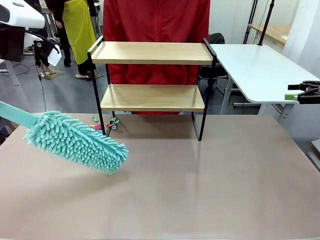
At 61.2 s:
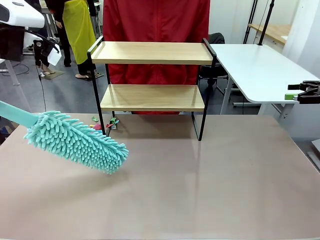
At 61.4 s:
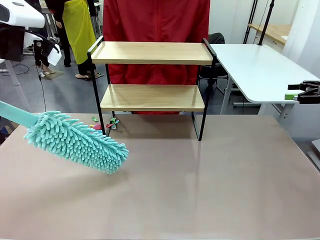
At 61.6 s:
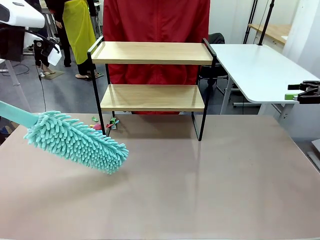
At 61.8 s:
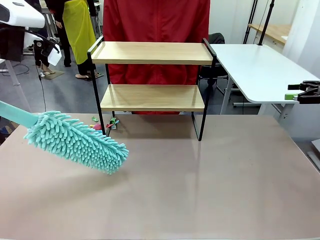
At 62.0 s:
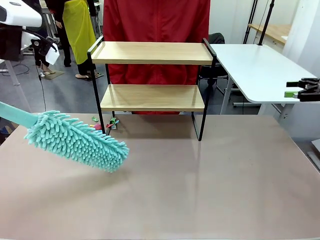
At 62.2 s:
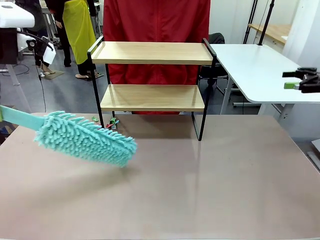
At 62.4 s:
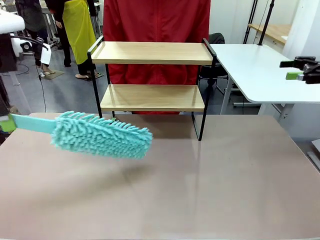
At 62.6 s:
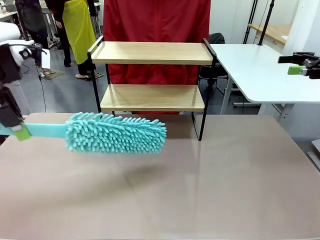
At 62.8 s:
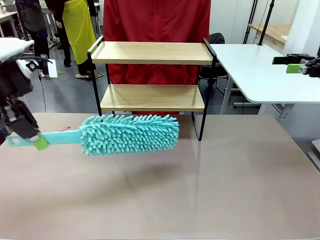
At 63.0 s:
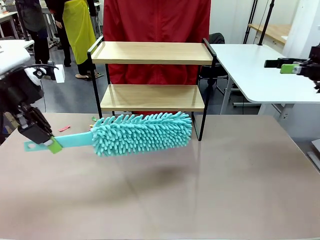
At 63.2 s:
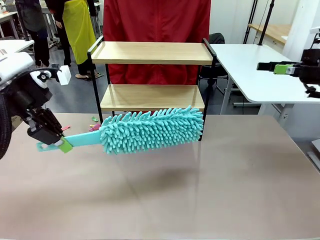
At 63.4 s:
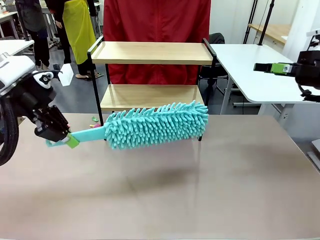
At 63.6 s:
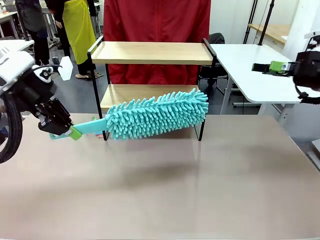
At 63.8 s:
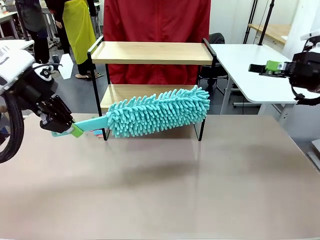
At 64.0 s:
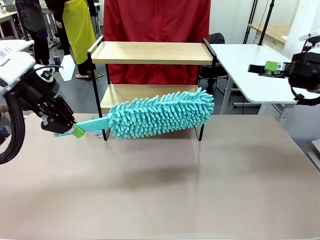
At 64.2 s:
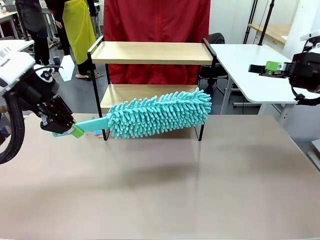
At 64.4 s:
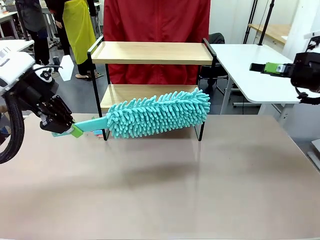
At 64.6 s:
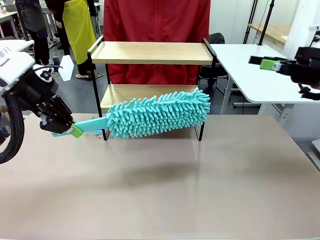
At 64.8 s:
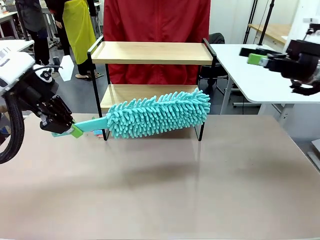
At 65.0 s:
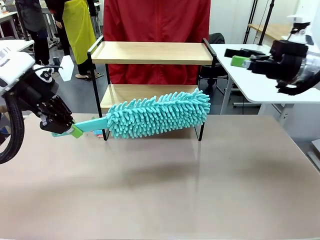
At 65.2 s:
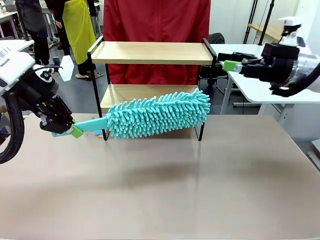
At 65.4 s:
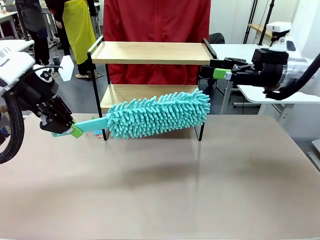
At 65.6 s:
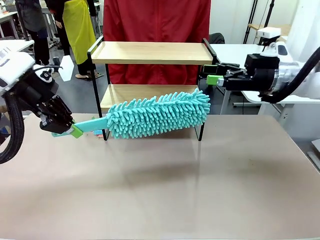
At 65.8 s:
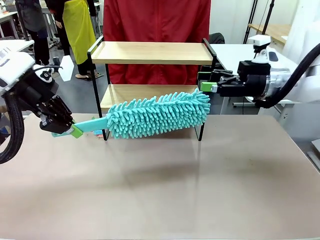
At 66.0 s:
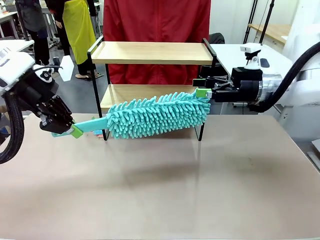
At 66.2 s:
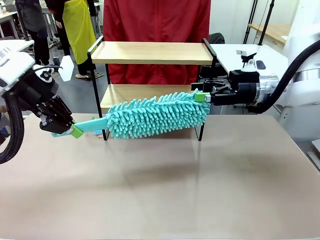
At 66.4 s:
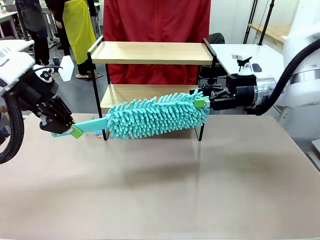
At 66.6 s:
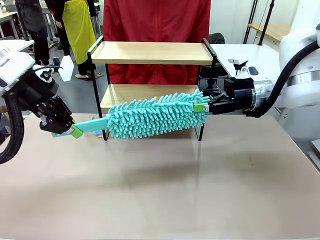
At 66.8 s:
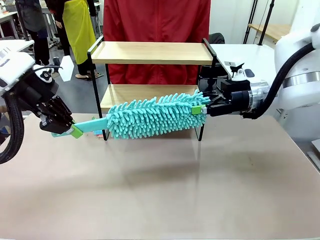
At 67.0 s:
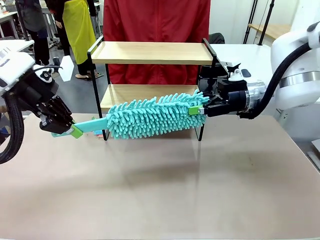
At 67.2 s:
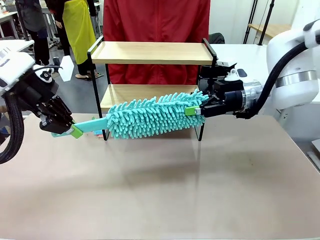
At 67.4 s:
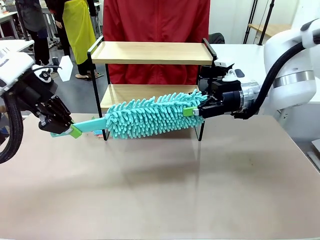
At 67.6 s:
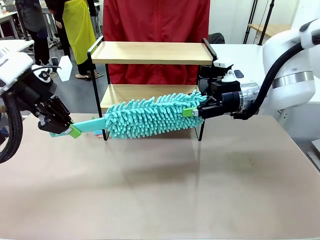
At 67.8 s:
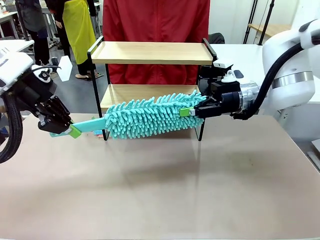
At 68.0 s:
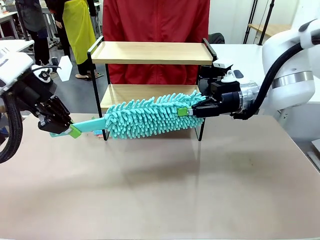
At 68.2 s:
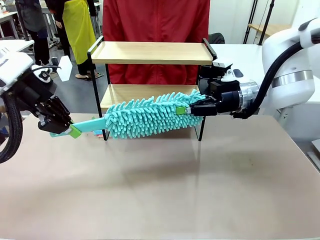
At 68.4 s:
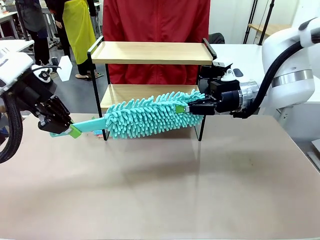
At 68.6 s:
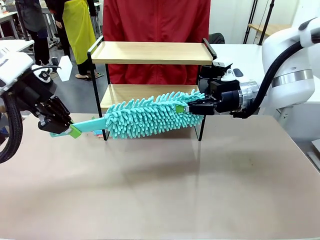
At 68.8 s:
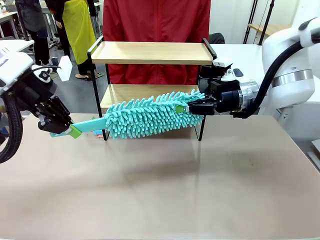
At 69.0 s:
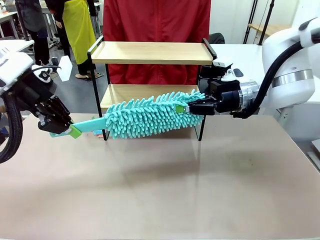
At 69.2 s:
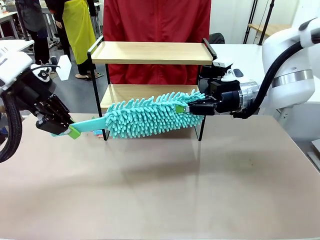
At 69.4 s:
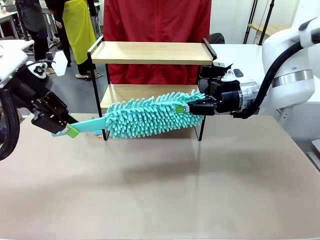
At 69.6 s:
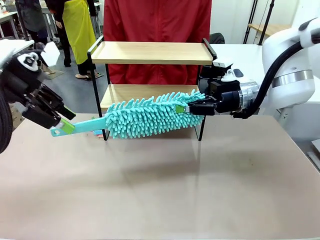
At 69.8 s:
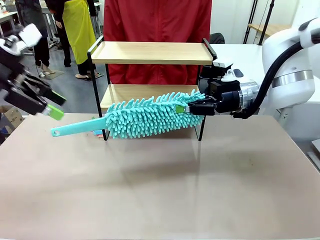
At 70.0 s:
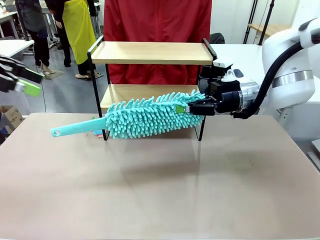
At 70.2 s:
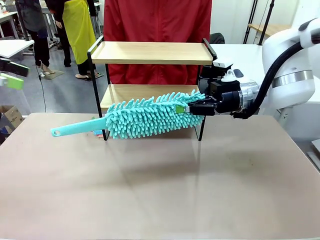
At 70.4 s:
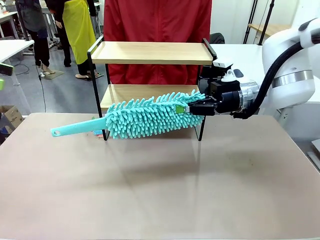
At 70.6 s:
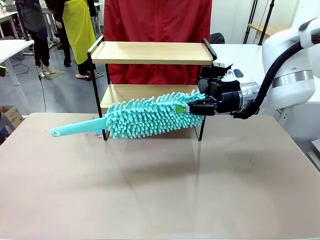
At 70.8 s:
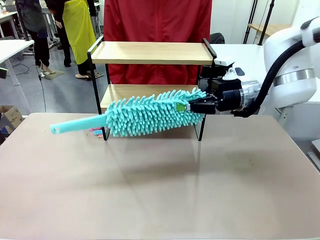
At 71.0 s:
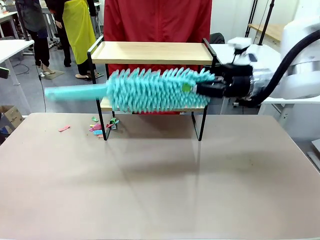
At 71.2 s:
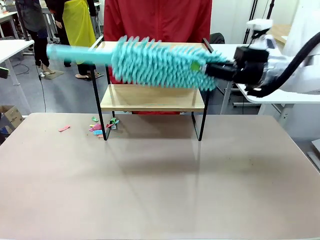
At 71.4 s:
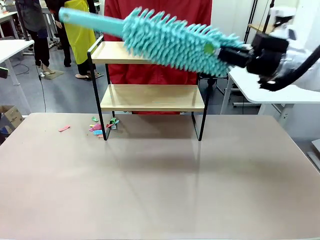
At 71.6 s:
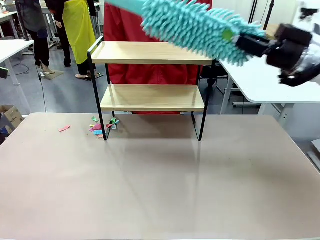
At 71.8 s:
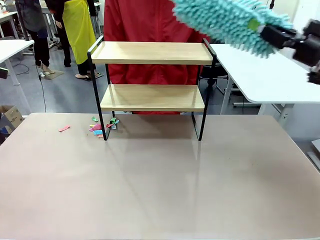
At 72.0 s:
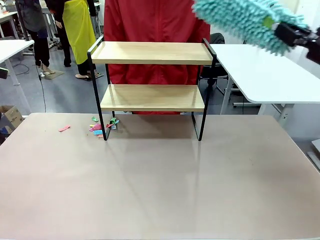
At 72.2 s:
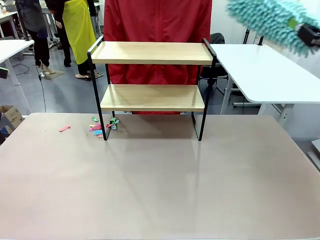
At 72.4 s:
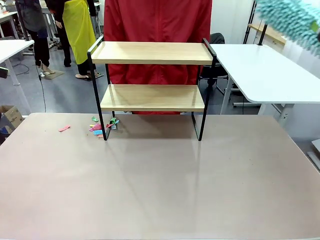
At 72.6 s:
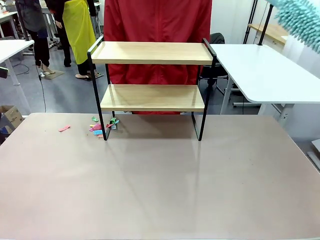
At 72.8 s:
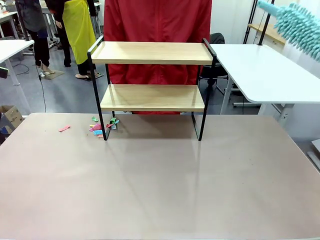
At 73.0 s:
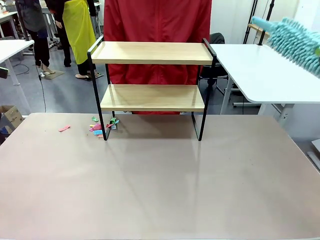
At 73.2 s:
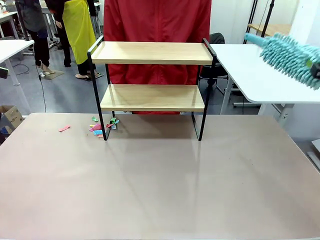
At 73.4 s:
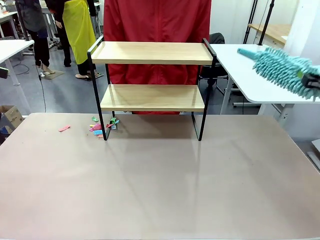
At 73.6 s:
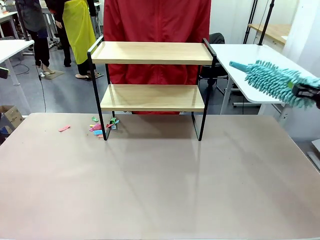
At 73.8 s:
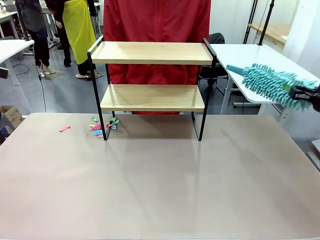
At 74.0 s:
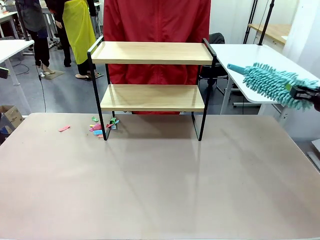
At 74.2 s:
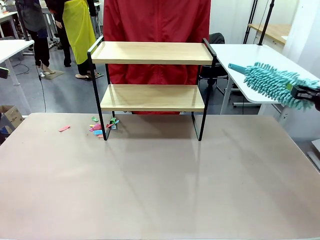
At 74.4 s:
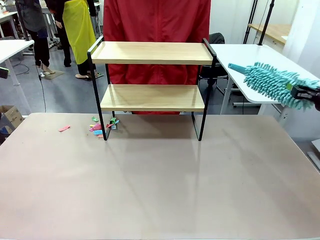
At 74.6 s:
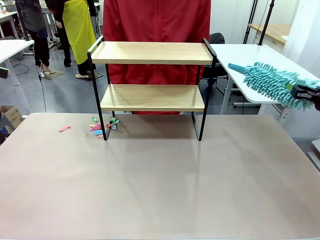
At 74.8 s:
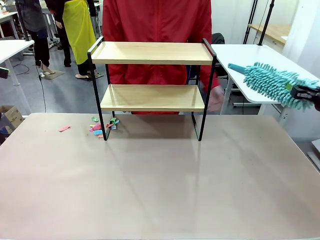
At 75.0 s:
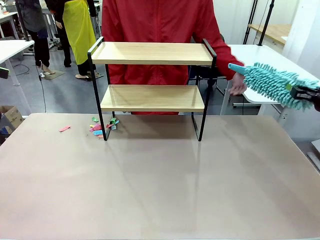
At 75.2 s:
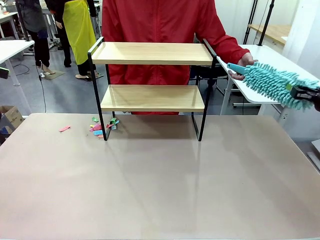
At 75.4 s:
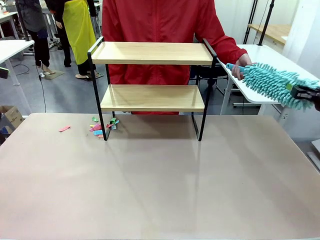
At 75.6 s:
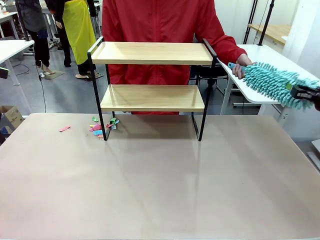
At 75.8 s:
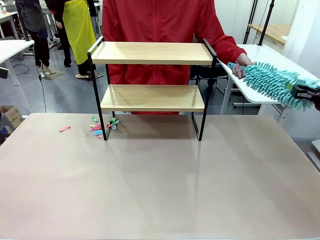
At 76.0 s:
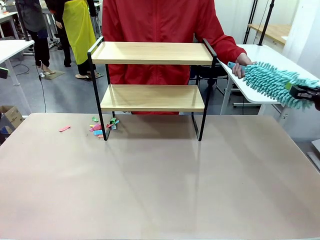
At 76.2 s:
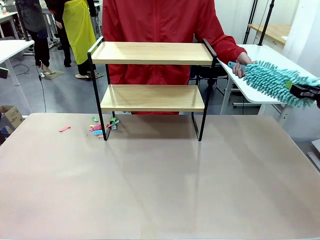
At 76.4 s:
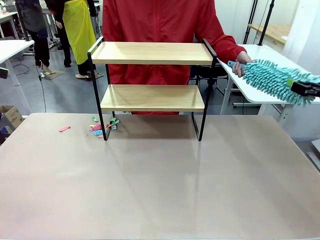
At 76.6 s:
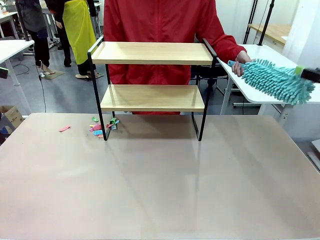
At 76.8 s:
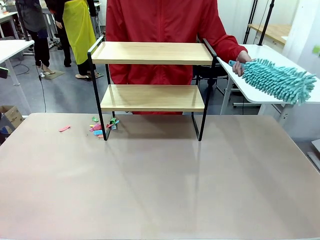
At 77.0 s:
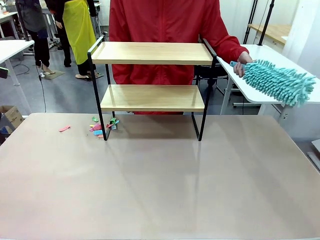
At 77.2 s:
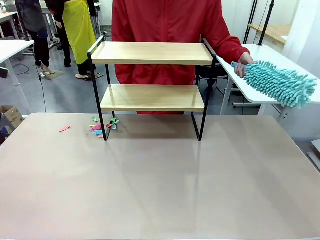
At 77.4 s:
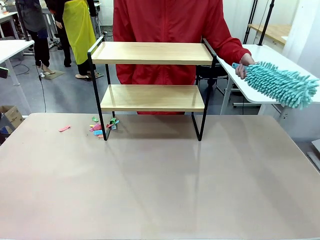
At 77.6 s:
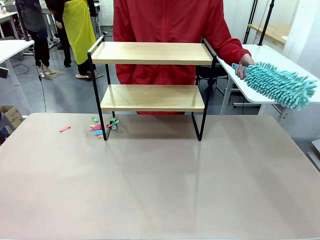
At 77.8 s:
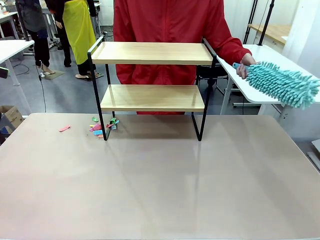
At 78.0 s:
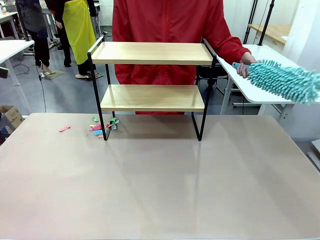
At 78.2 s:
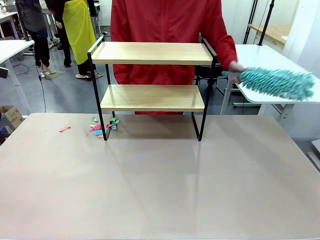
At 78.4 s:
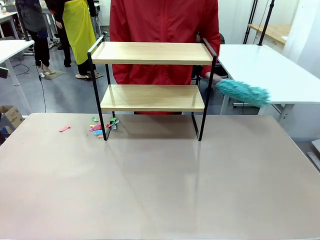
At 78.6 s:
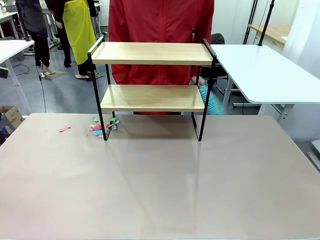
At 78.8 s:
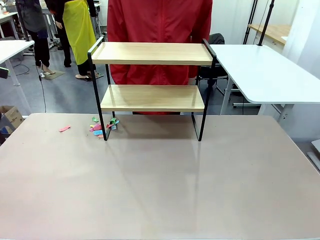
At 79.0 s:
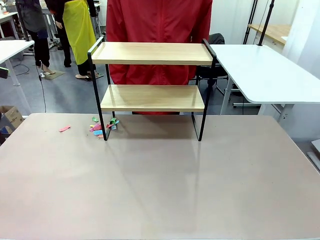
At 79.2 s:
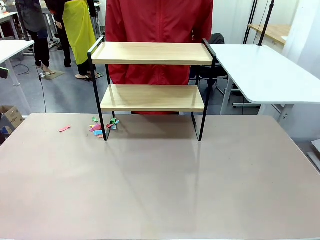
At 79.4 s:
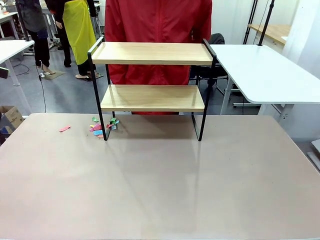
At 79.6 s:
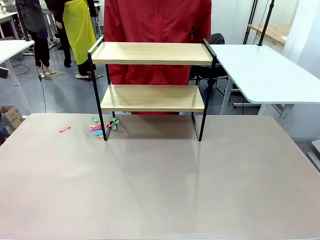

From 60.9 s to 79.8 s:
Task: Clean the shelf.
Robot: Hand the Duster back to the human.
Person: Receive the Duster from the robot.
